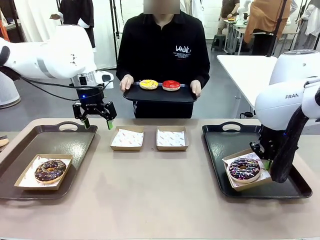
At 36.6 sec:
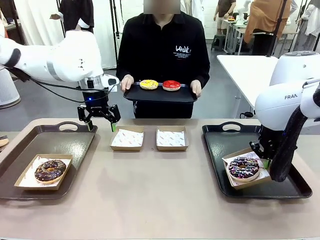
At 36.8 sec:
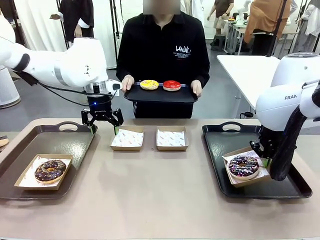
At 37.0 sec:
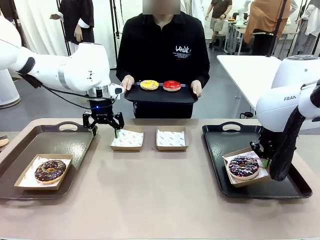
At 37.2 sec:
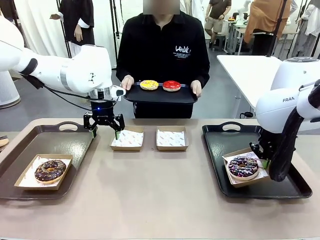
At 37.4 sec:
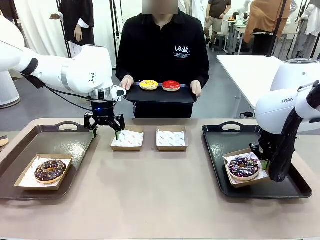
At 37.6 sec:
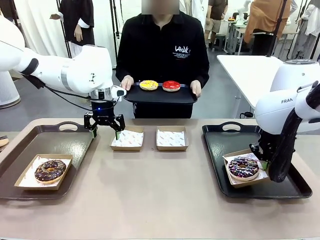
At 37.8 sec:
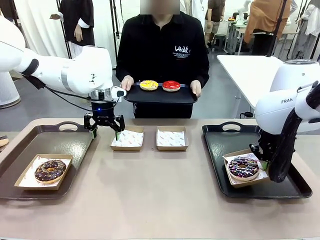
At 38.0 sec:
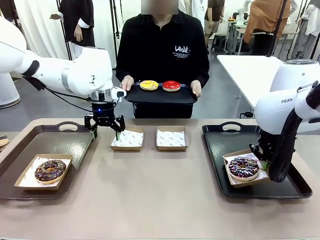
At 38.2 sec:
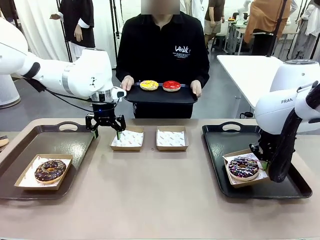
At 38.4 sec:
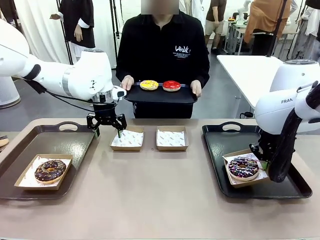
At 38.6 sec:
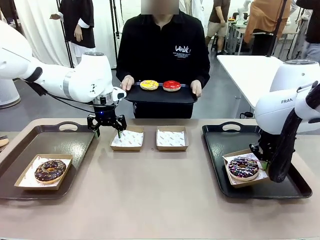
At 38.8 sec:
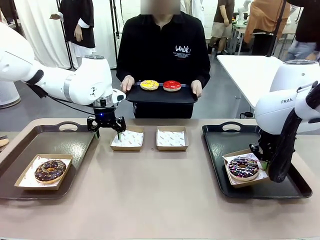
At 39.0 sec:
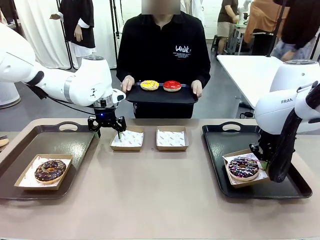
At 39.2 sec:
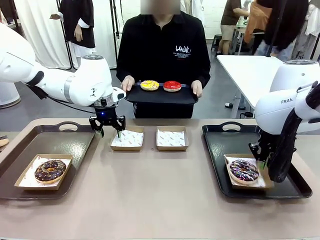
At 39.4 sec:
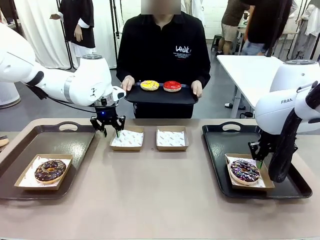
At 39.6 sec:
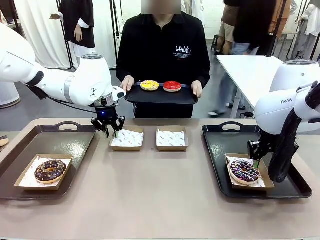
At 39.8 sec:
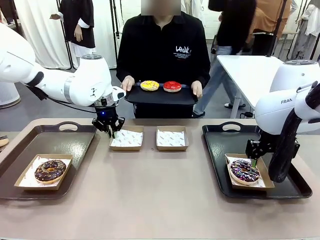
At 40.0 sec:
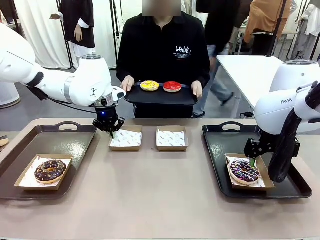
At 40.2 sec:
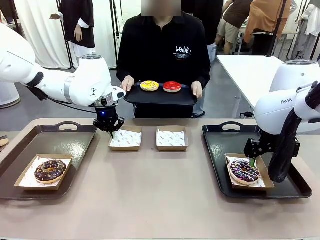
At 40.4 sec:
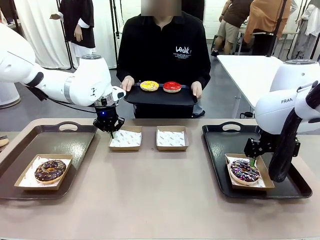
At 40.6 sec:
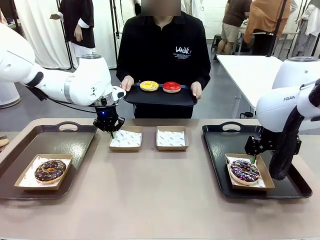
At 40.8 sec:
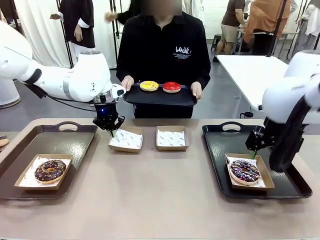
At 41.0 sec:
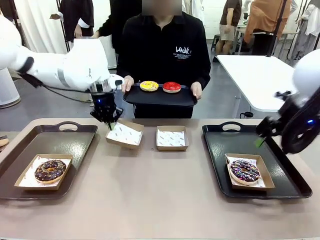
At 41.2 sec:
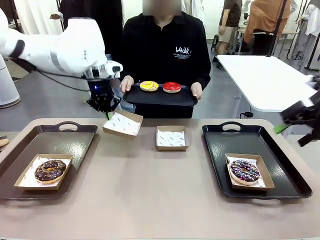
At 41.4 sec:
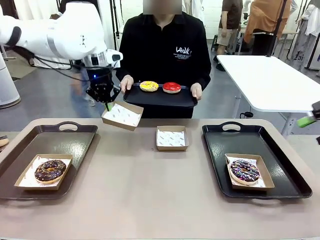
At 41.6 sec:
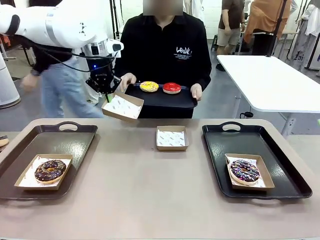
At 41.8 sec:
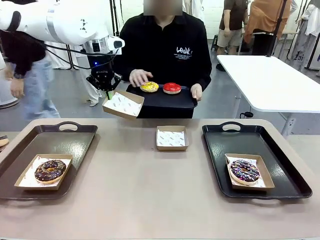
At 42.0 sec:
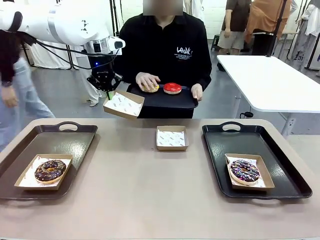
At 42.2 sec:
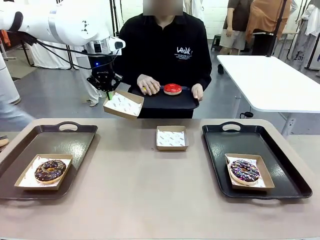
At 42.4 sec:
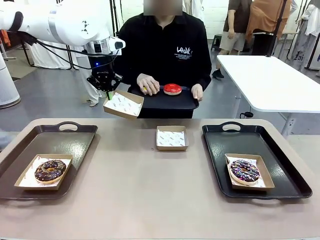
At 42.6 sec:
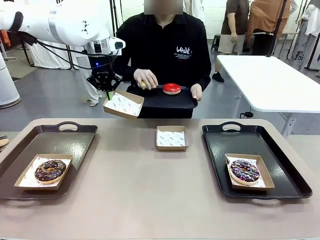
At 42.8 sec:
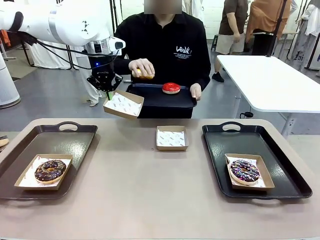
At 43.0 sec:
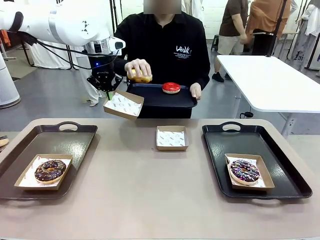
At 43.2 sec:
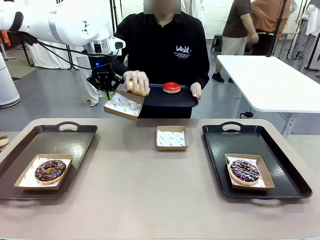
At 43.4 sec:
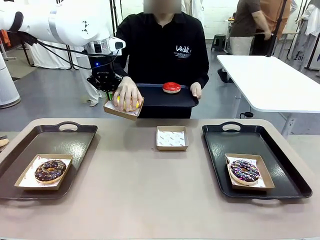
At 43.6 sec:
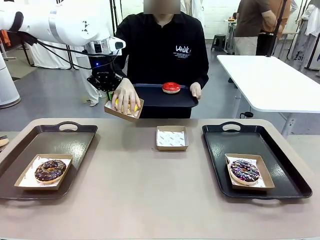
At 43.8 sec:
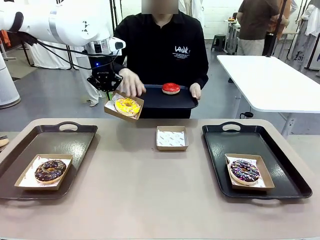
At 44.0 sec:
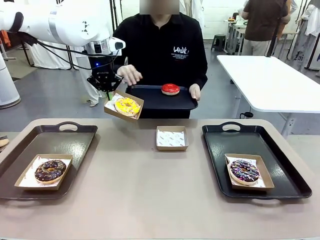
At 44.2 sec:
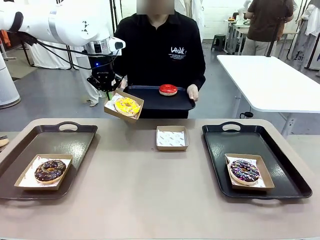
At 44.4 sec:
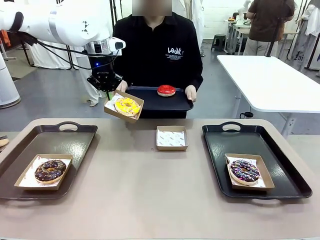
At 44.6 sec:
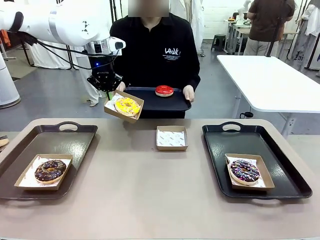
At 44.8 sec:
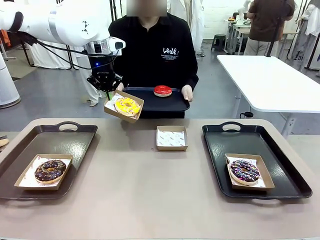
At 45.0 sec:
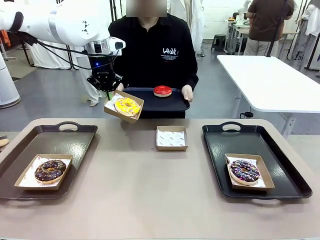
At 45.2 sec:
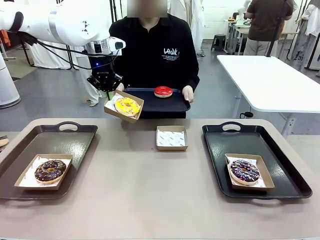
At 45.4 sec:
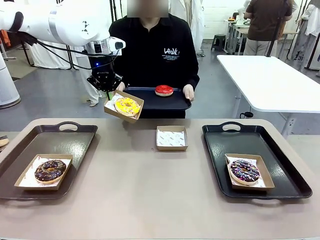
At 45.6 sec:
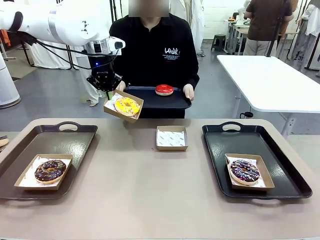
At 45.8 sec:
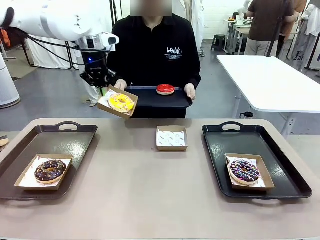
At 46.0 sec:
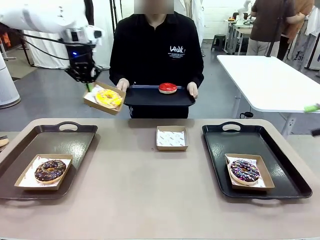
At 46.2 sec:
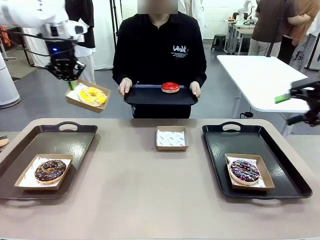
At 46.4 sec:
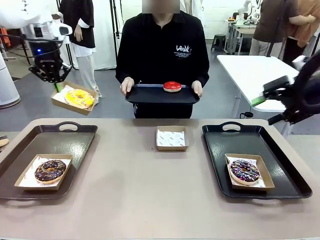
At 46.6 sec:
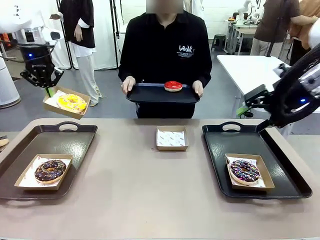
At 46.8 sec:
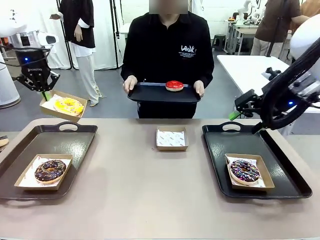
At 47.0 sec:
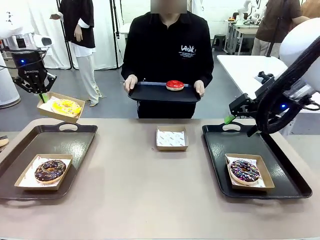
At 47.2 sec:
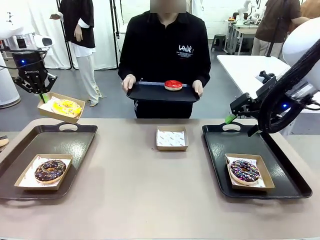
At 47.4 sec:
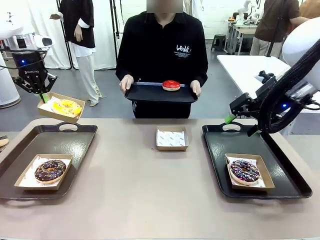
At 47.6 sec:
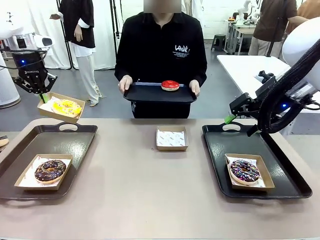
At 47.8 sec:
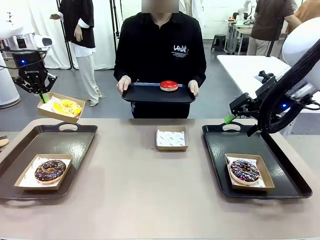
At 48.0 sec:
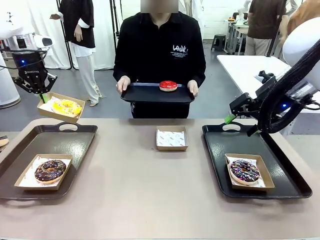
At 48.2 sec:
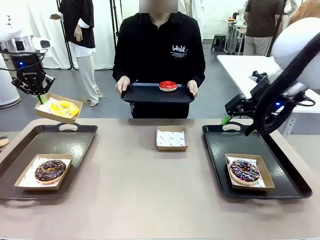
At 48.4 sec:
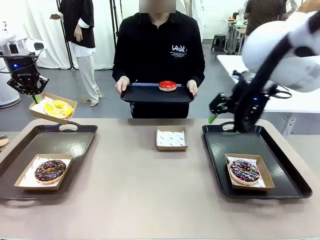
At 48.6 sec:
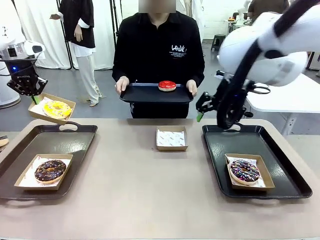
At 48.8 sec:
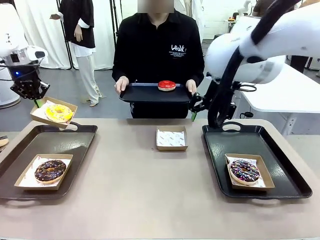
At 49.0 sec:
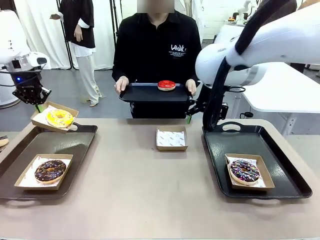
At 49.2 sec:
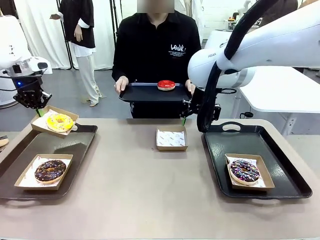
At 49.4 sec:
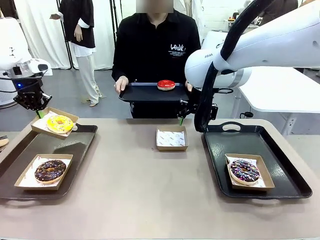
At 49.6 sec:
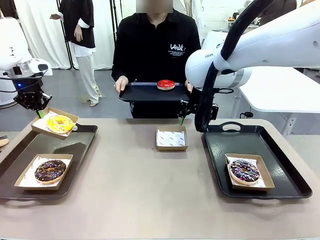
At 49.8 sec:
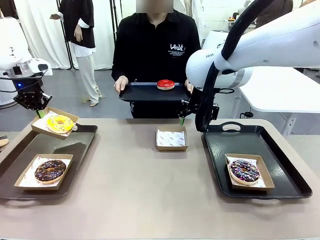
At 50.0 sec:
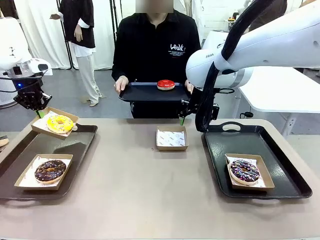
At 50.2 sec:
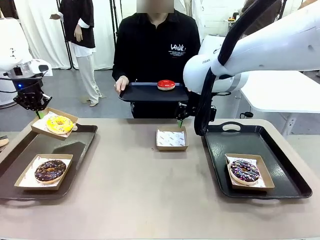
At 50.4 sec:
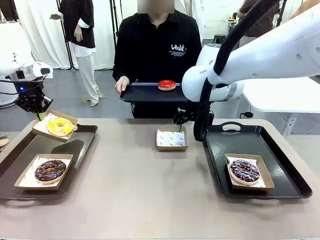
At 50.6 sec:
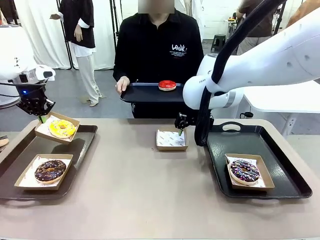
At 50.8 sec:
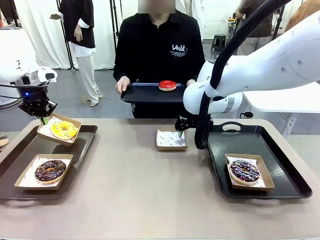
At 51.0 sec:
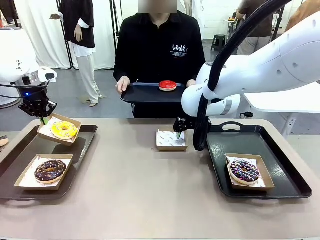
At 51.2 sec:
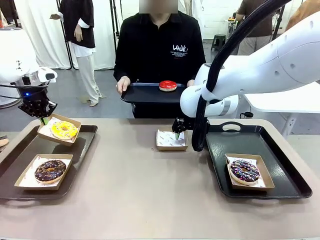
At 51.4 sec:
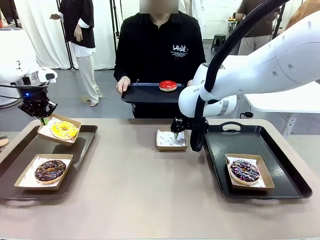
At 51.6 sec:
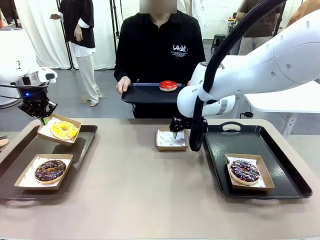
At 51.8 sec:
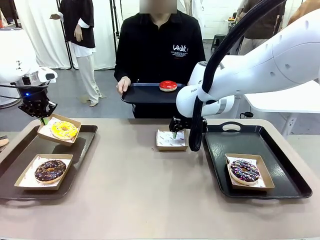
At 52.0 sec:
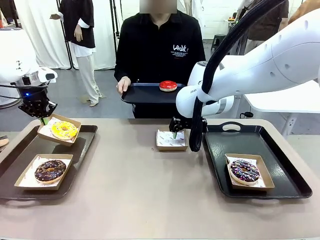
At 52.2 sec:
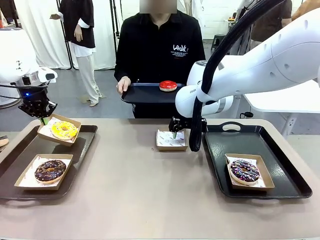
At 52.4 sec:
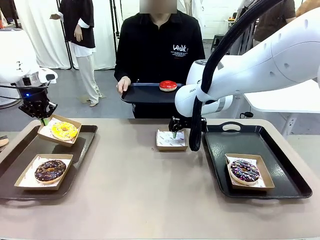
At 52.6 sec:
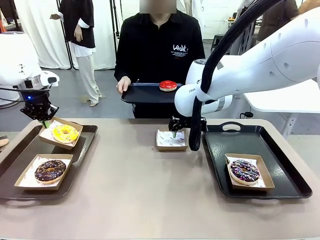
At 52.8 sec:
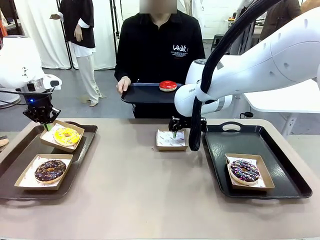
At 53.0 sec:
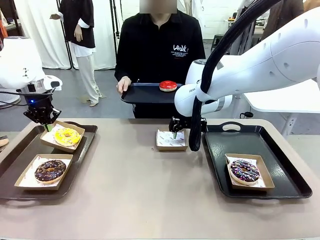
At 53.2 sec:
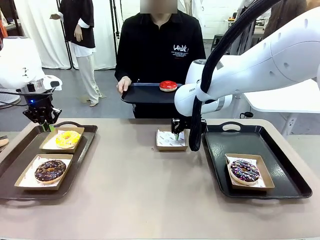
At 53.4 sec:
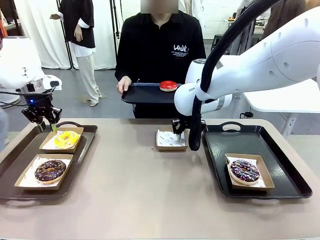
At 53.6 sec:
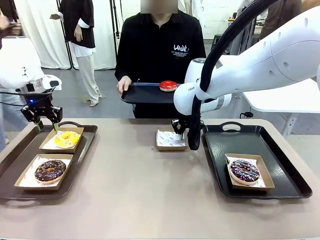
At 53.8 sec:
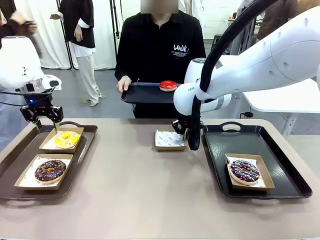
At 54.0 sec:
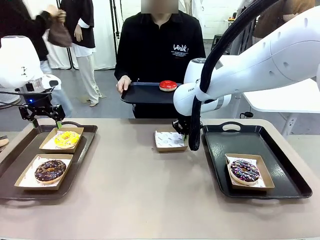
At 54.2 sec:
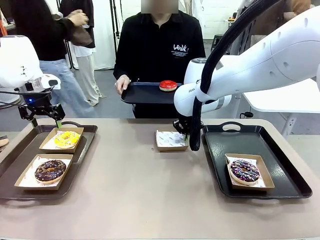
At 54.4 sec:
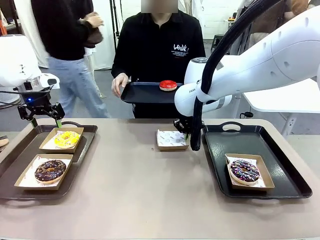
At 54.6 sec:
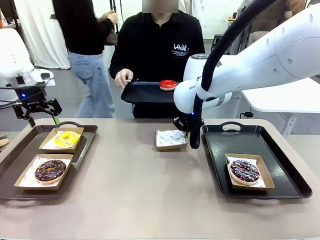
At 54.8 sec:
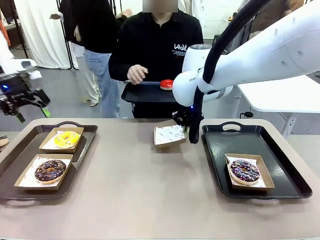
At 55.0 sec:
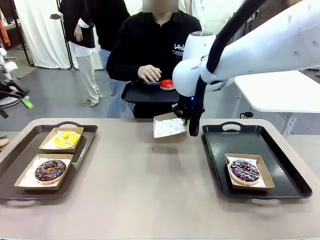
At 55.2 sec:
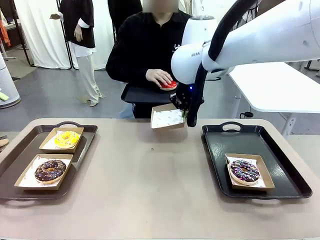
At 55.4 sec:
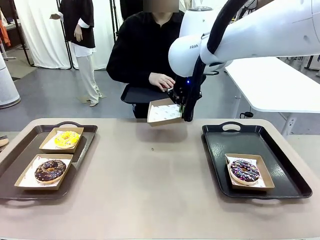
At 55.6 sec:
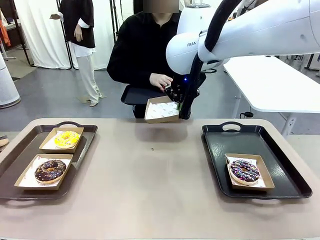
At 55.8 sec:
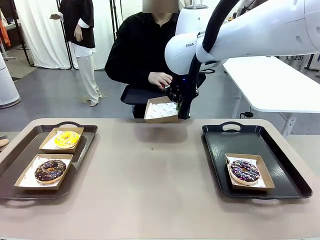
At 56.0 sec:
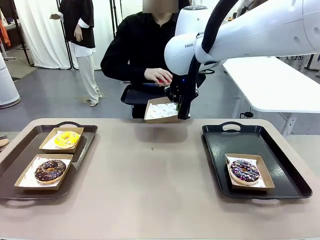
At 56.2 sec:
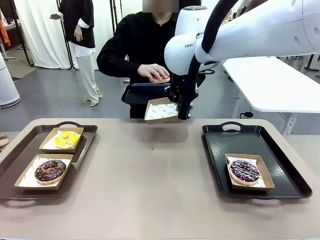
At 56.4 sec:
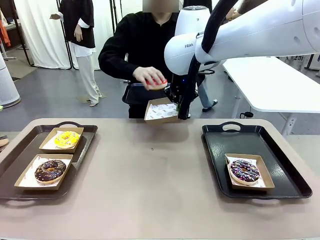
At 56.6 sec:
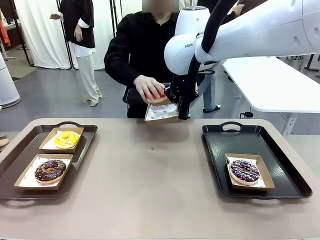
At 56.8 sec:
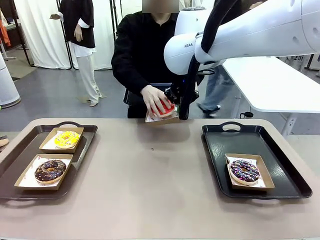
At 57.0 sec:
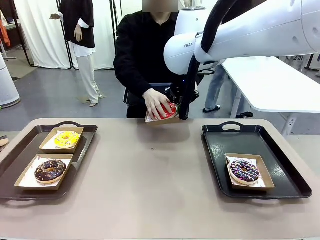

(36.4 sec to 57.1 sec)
Task: Individually package the donuts and arrange them on the tray.
Robot: Place the picked Paper togo box on the Handle tray while simultaneously picking up another Paper togo box from the table with the other hand.
